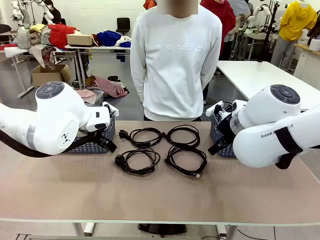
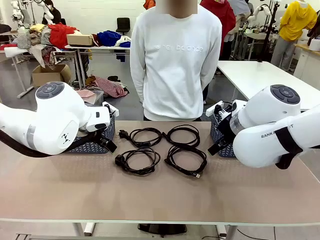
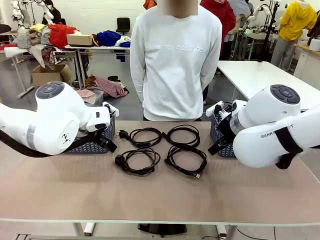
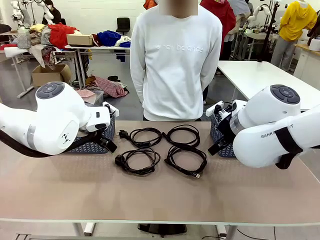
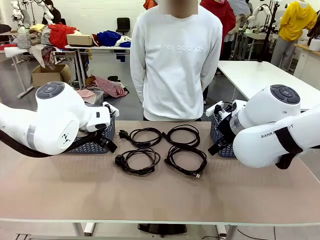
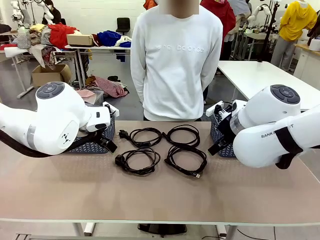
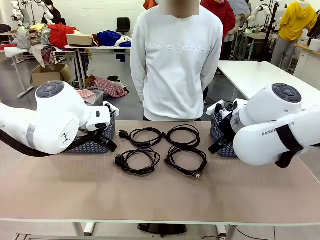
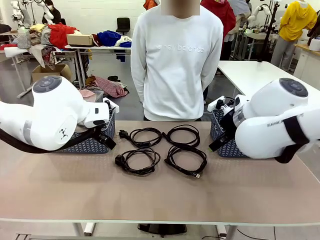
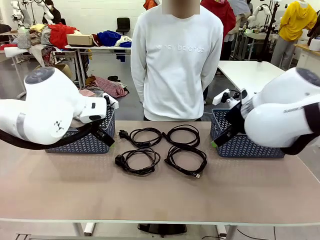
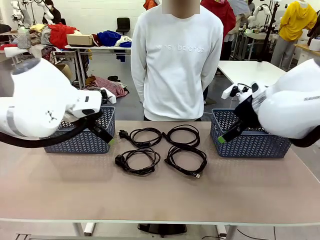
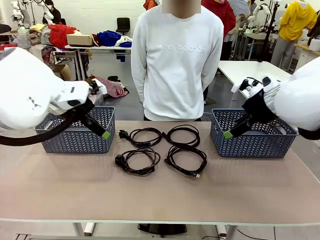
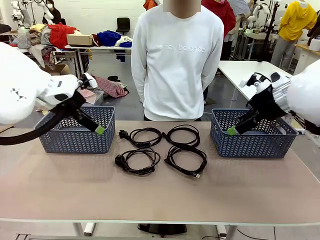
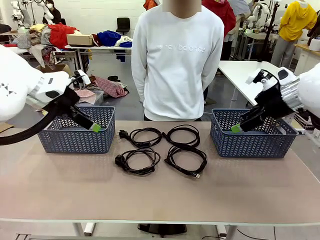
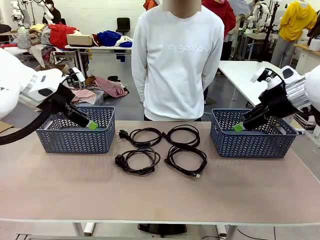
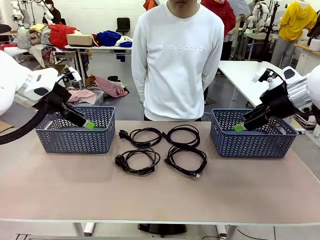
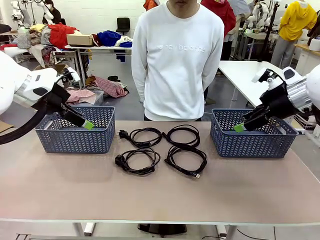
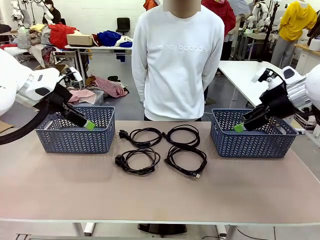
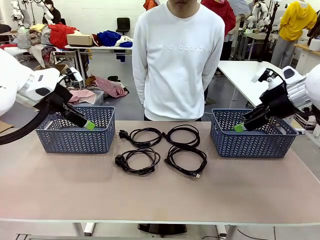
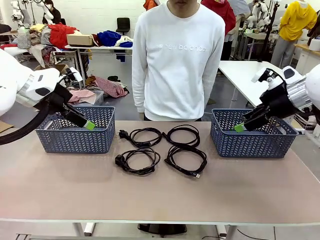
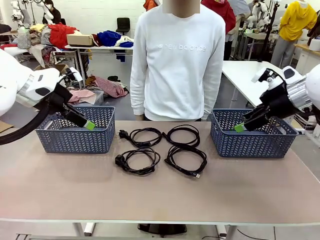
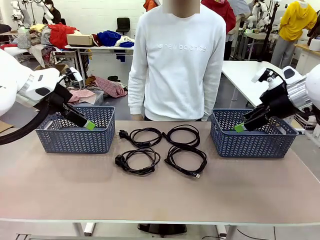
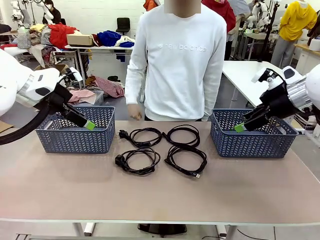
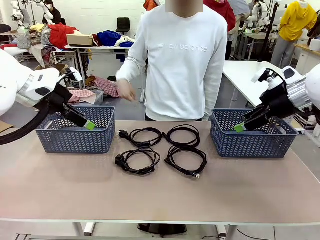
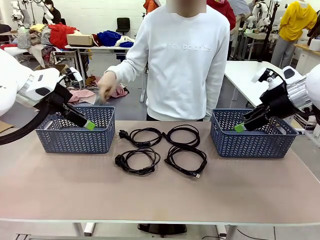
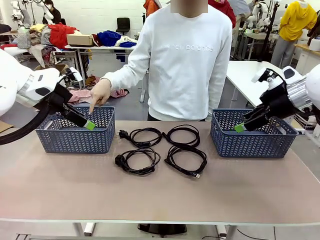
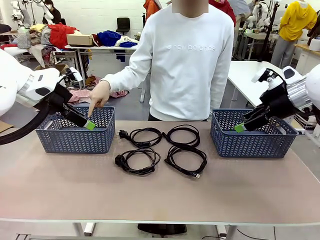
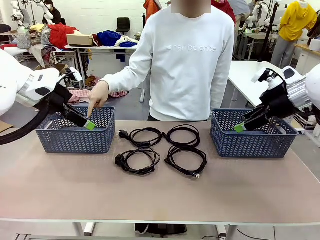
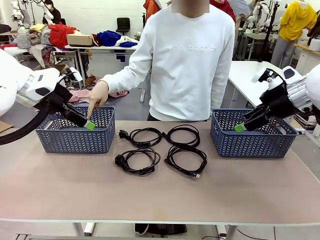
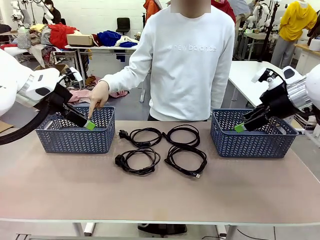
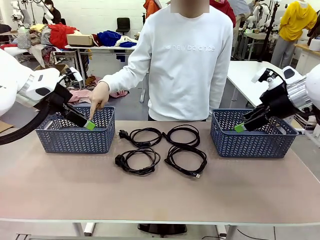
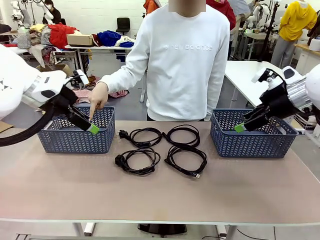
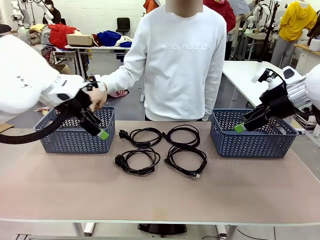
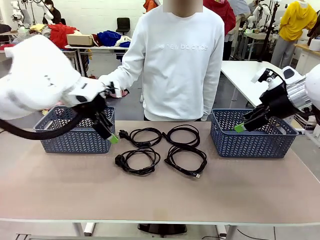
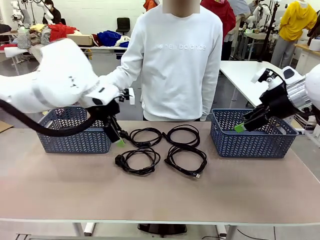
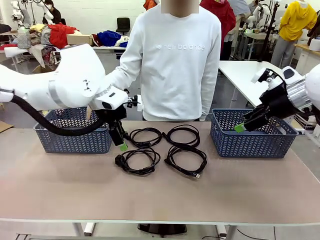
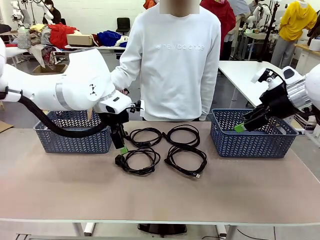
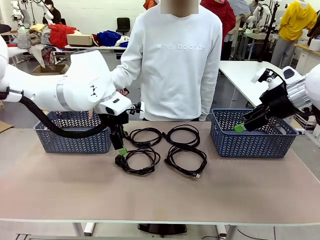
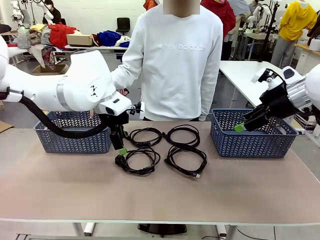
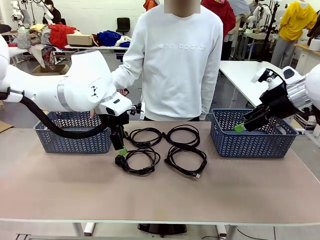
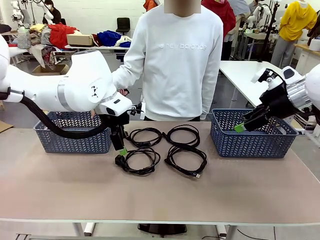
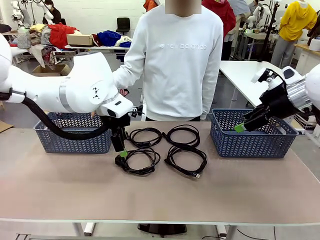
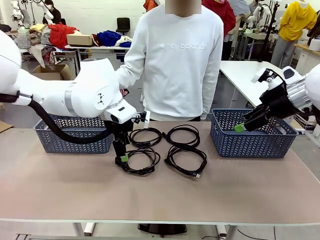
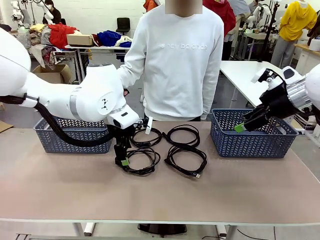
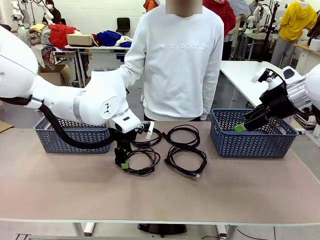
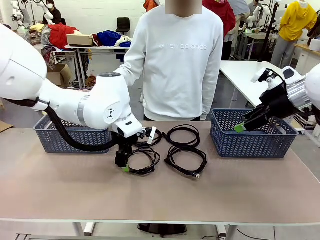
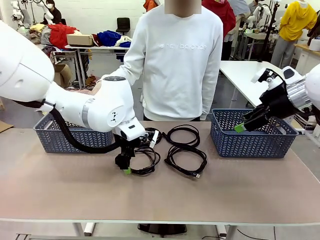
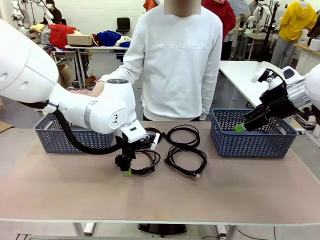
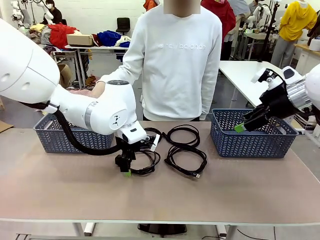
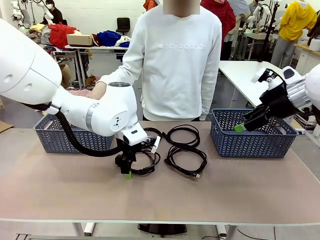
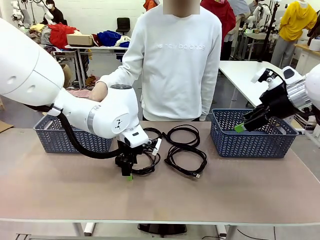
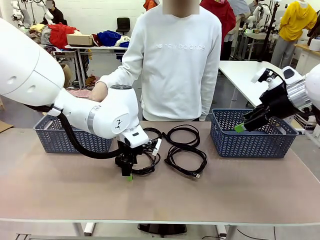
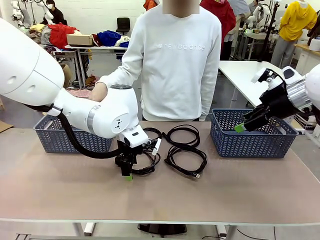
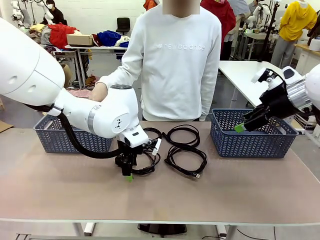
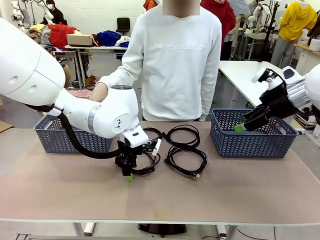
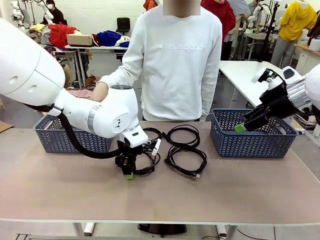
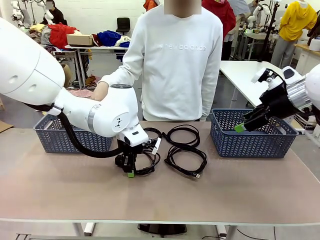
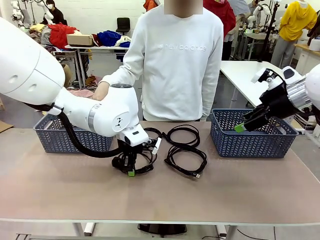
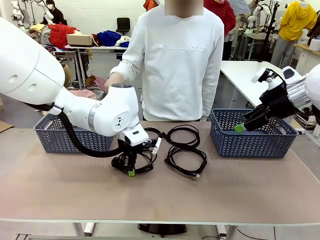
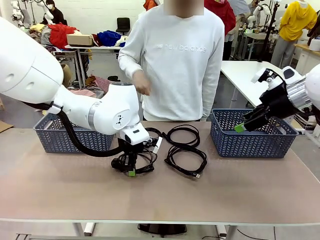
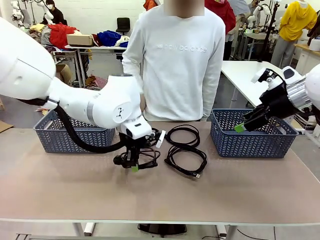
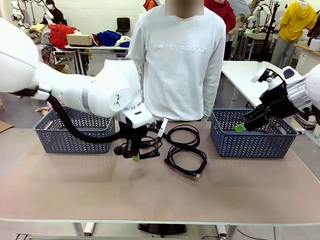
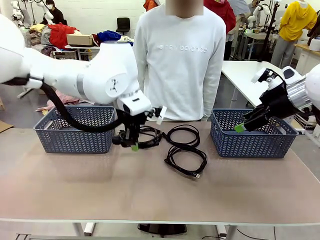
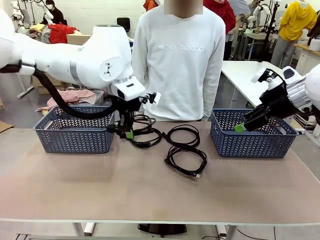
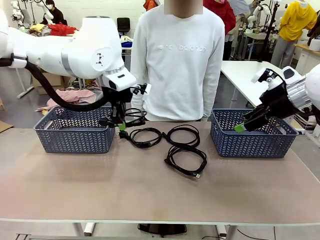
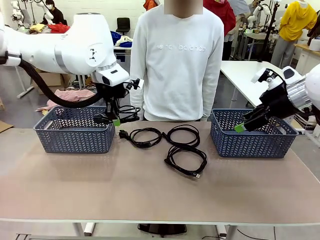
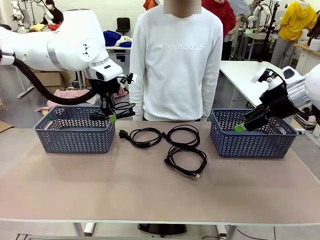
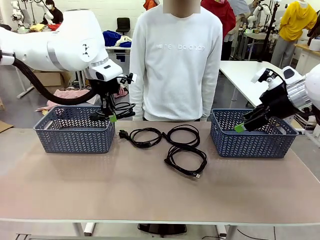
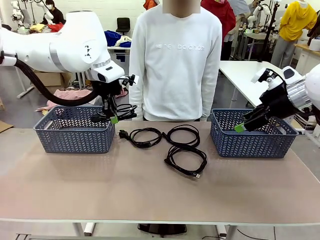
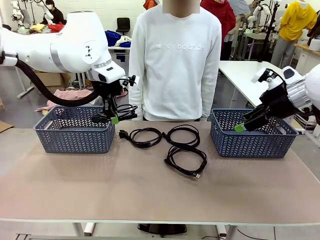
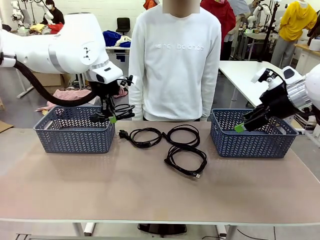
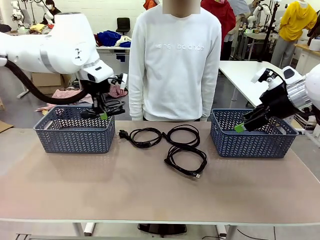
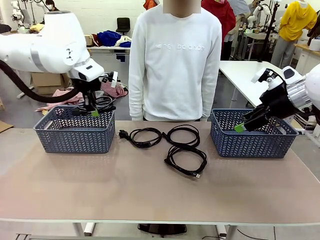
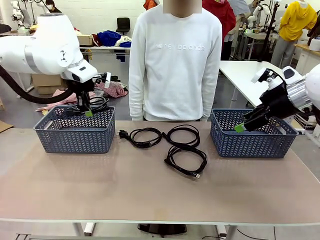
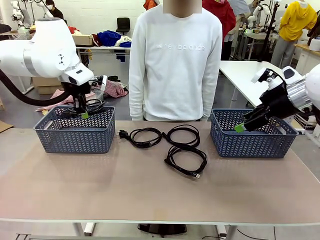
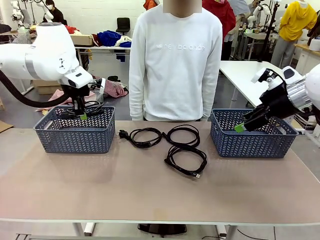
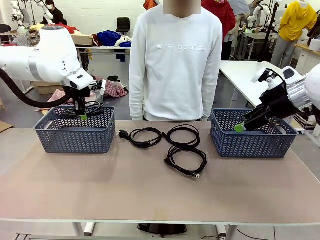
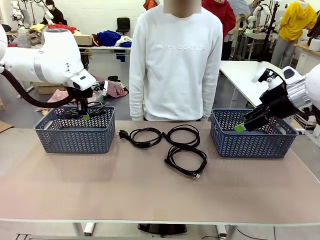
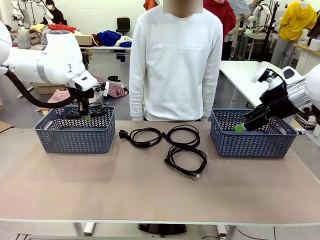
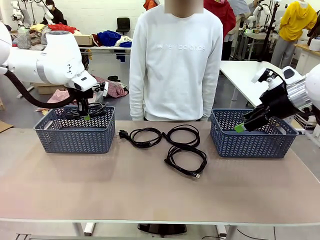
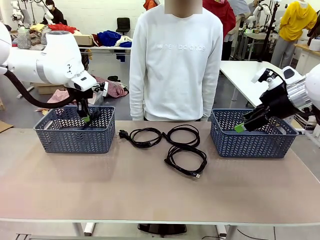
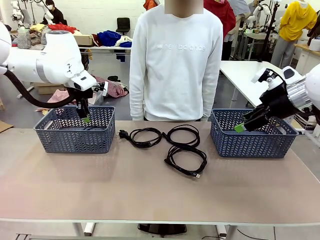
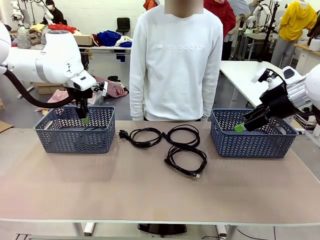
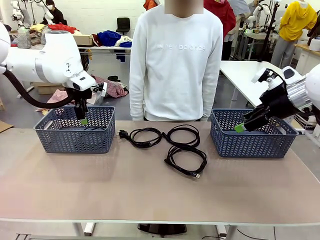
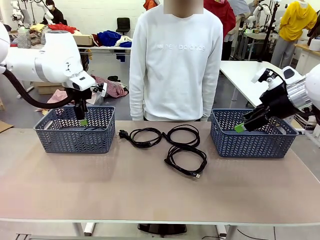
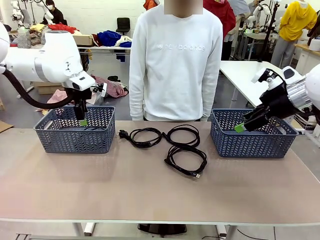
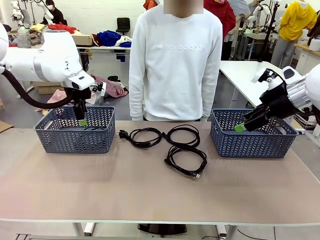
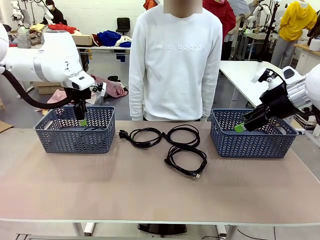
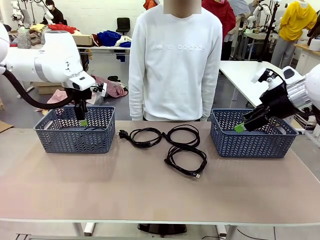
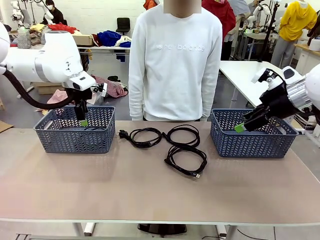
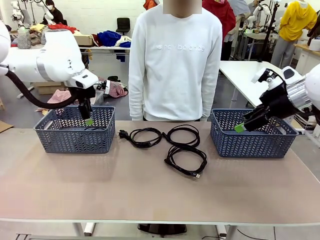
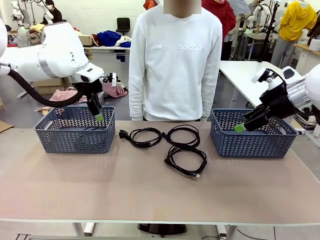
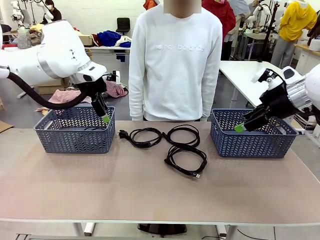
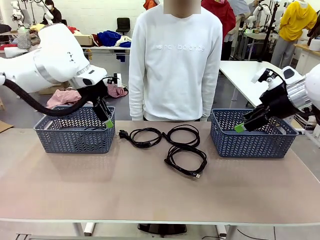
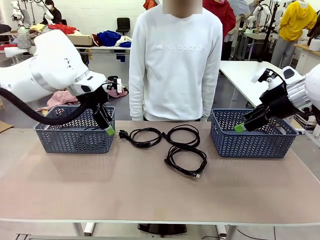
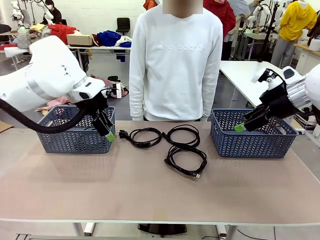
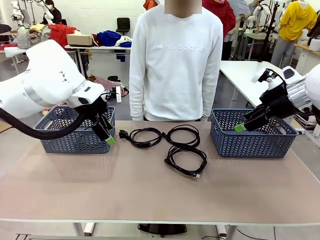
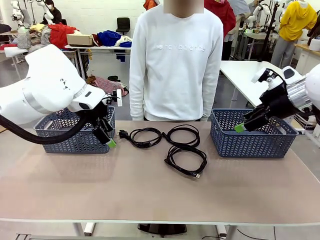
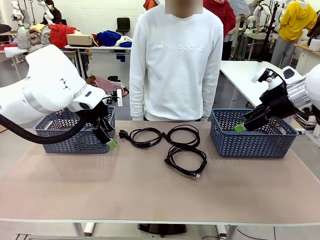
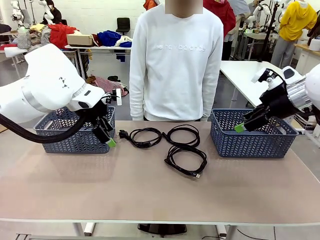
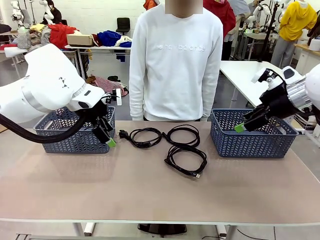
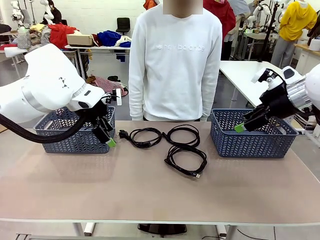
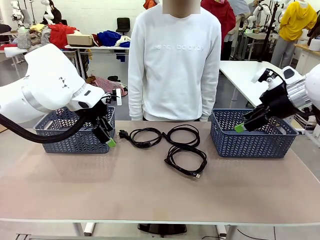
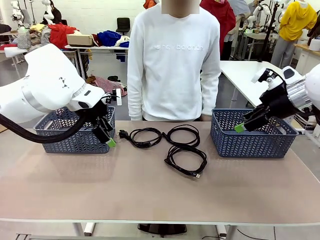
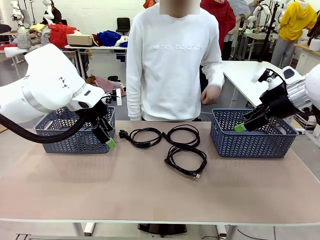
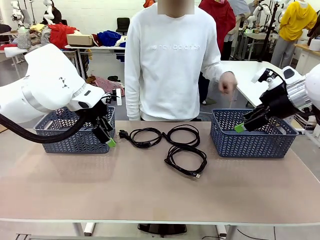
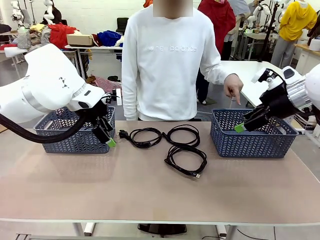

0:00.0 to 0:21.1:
Task: Organize the cables according to human instructions.
Robot: Pick up a bundle of cables and place it in the basket indicated by the human.
